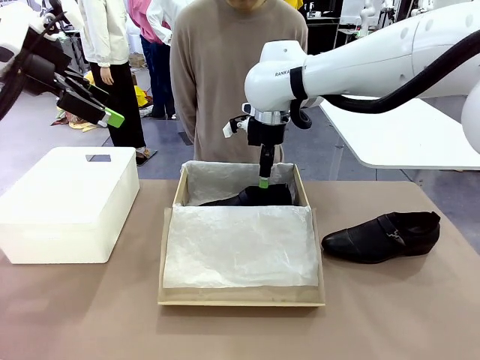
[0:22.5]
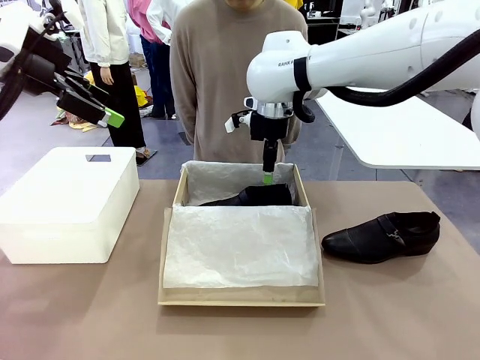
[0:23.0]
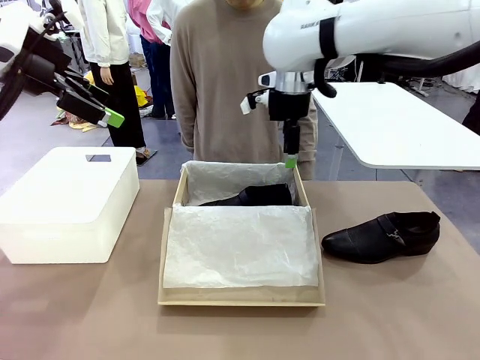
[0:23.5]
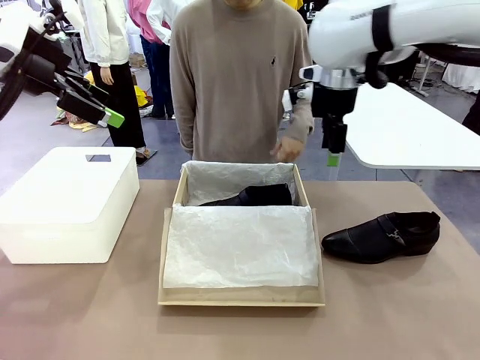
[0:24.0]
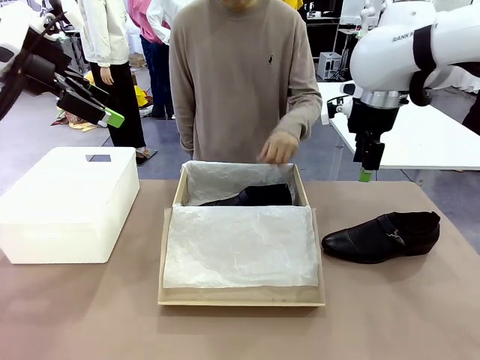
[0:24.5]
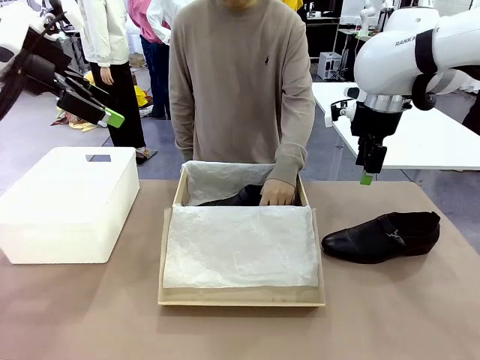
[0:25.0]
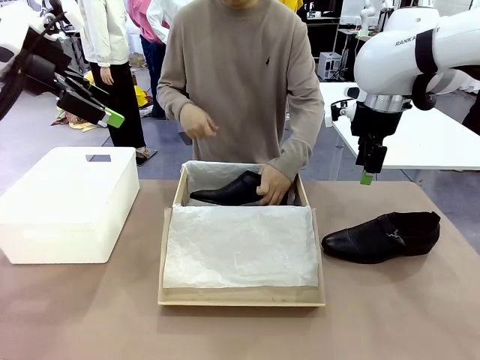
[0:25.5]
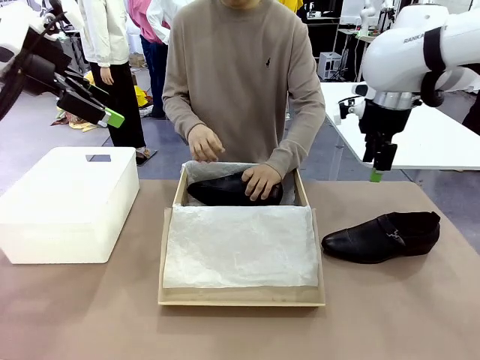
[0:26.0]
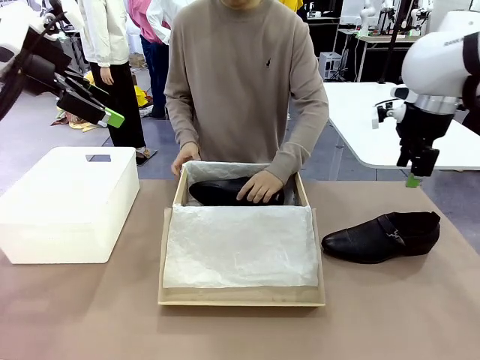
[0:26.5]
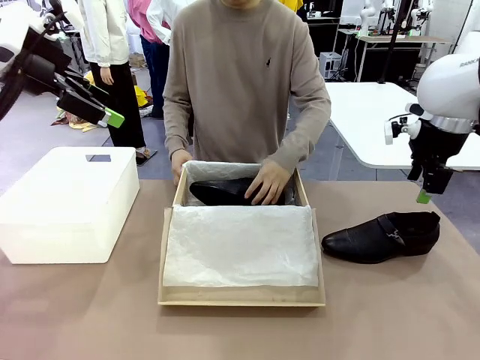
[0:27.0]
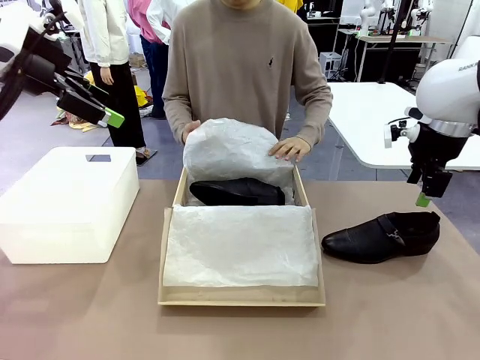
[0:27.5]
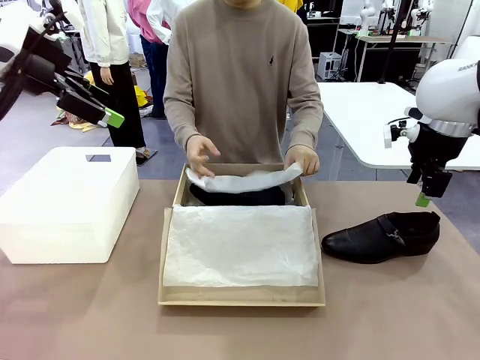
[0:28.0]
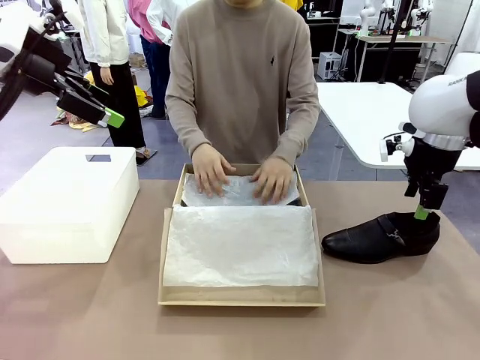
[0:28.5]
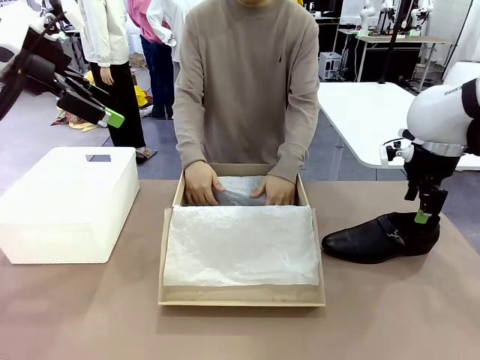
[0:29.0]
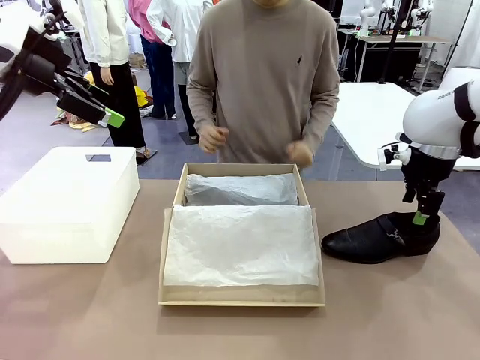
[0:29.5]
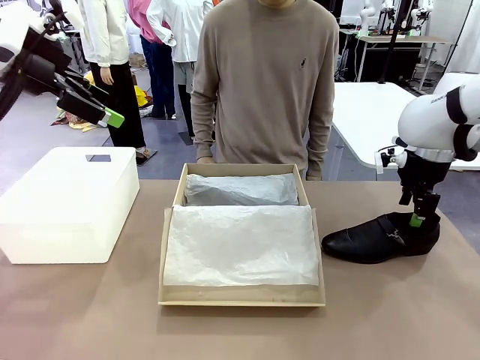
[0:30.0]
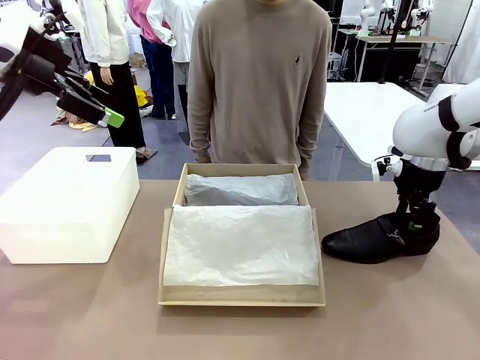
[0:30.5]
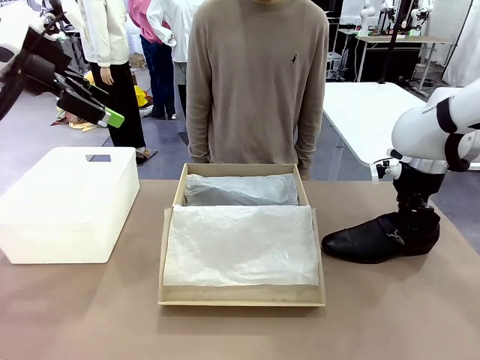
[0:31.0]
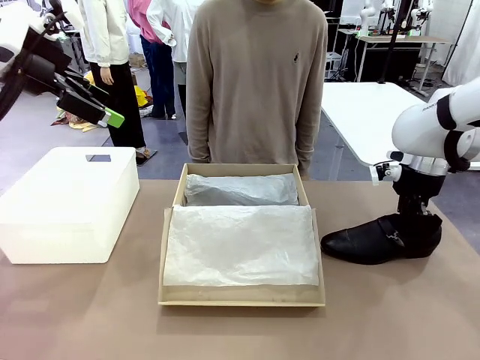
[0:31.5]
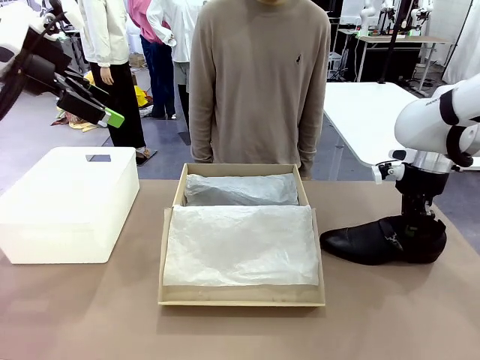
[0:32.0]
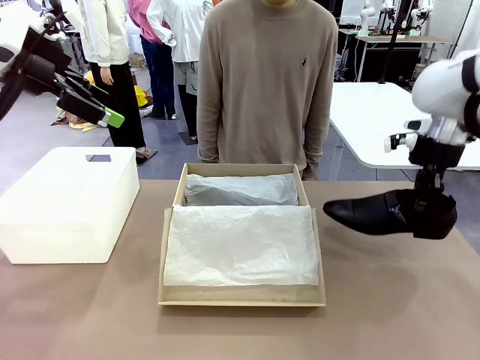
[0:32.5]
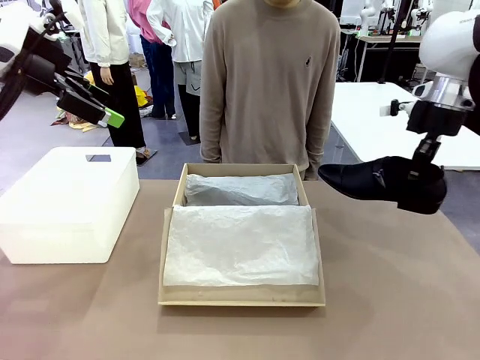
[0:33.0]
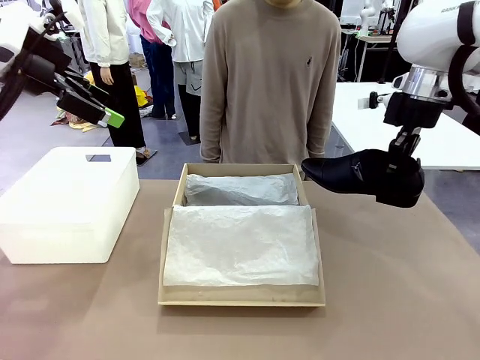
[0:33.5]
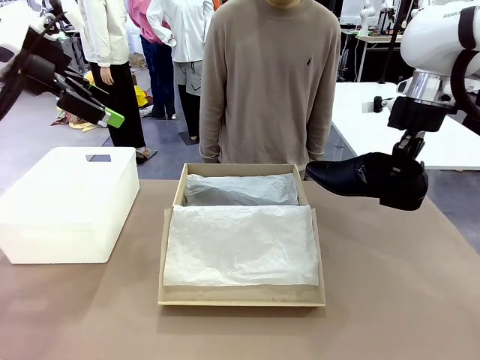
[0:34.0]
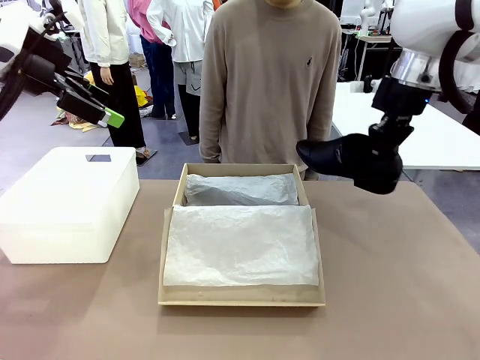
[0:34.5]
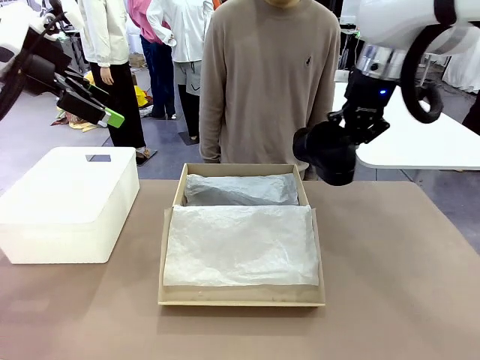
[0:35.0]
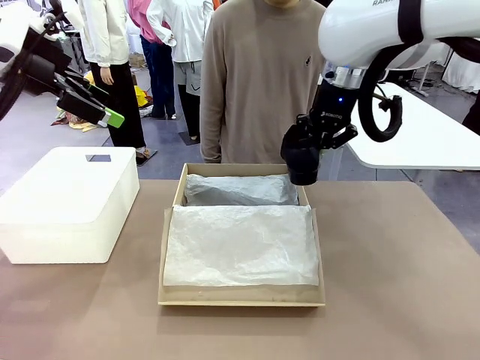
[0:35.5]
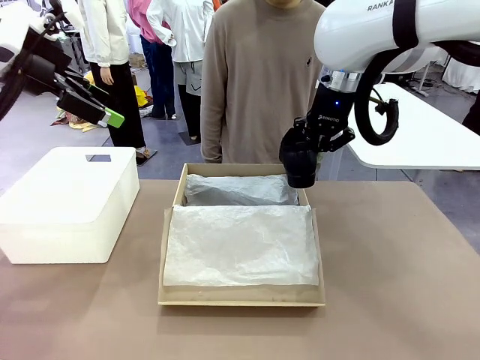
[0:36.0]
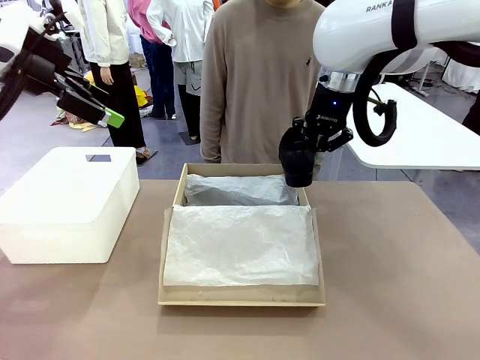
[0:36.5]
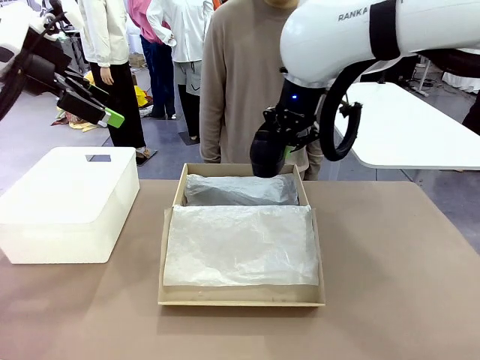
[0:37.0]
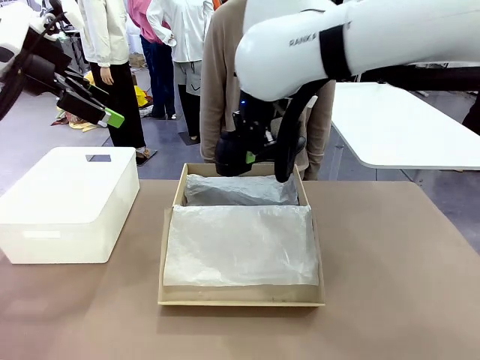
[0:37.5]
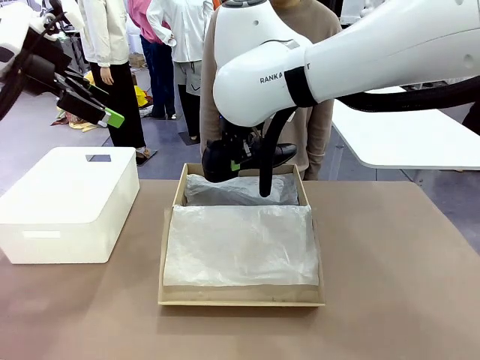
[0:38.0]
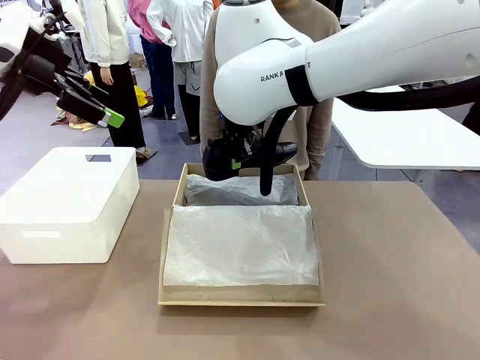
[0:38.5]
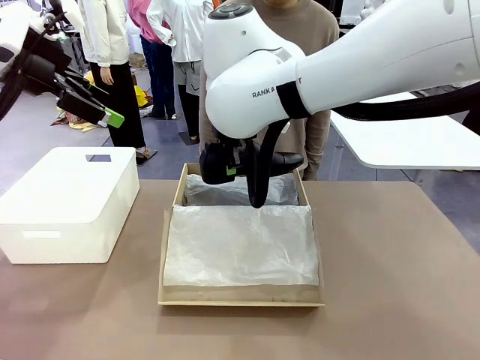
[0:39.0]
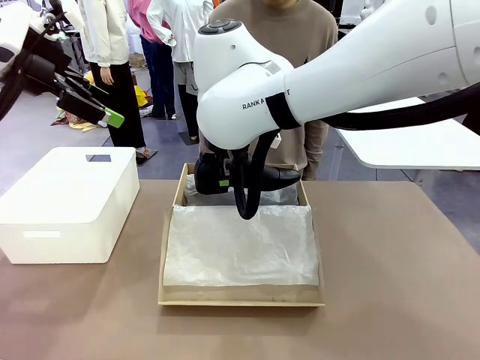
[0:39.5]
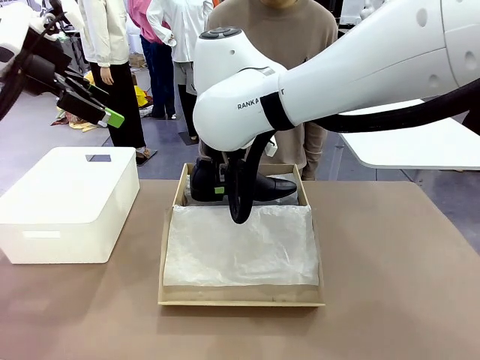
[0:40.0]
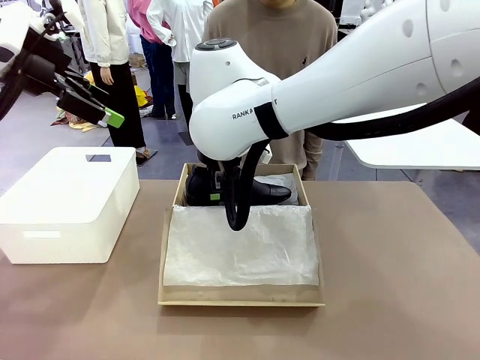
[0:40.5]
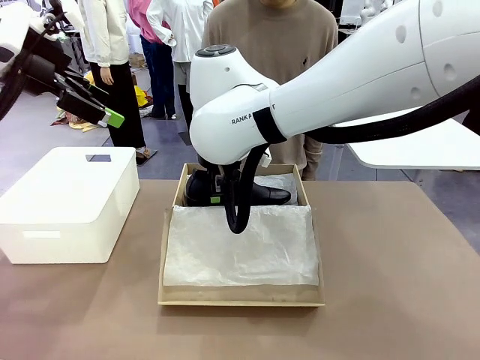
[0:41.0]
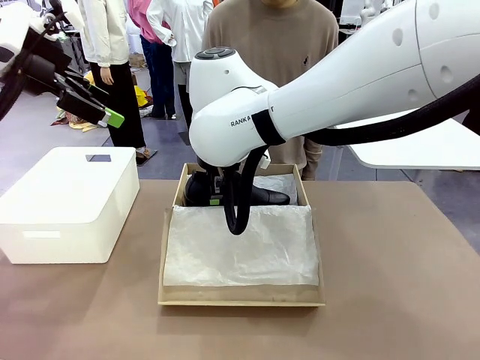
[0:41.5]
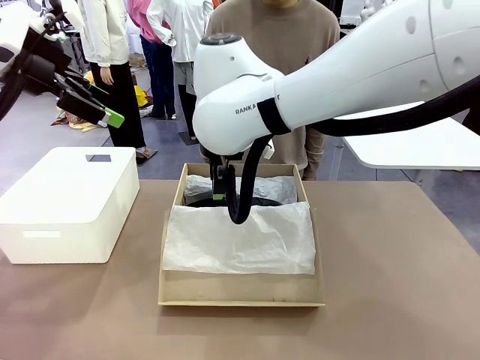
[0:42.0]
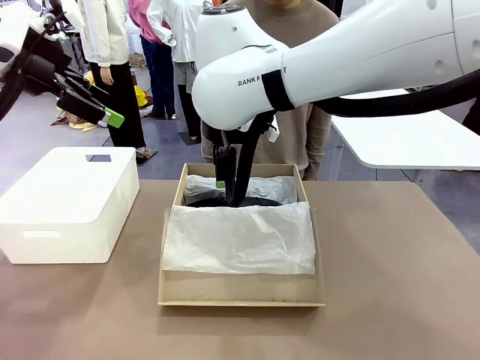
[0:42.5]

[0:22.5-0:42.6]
Task: Pack the shoes into the box.
Robot: Place the other shoe of the Shoes into the Shoes Box.
Person: Pack a shoe of Shoes inside the Shoes Box with Shoes Wrapping Paper.

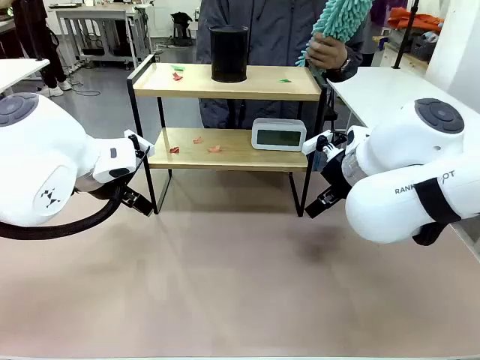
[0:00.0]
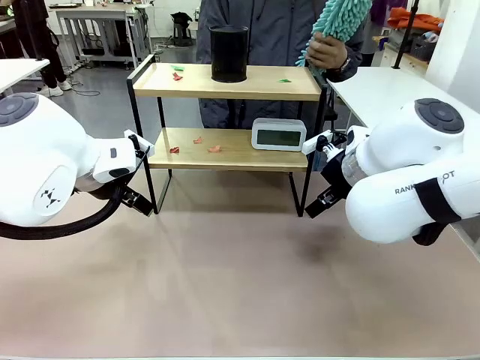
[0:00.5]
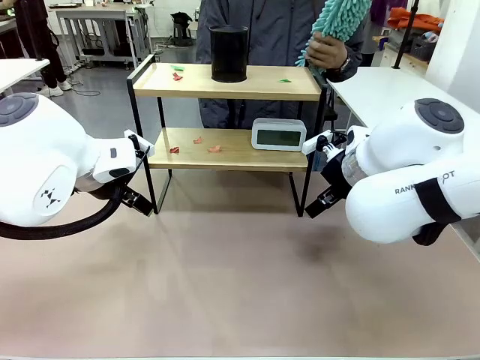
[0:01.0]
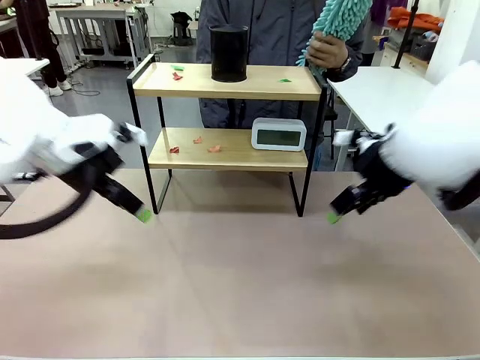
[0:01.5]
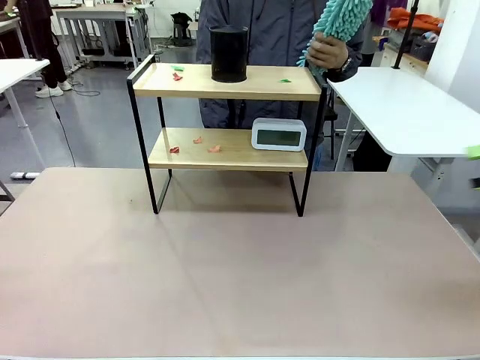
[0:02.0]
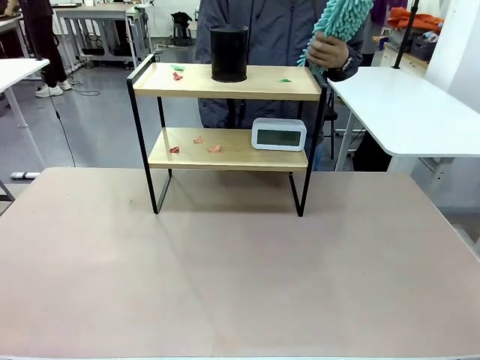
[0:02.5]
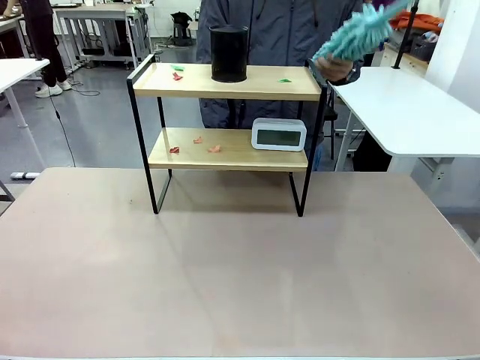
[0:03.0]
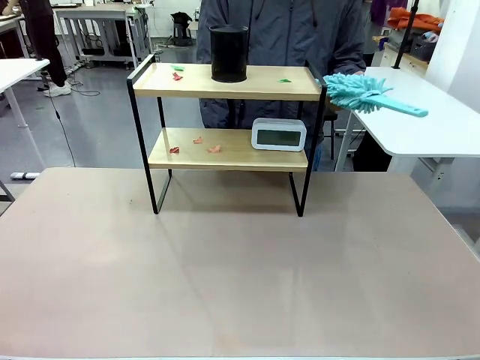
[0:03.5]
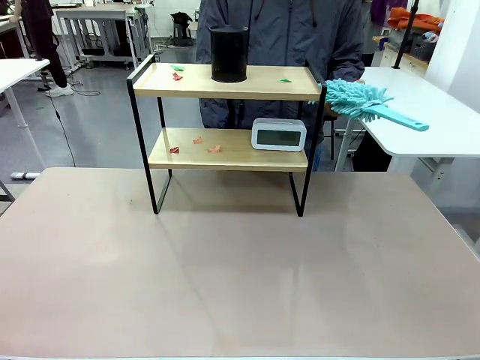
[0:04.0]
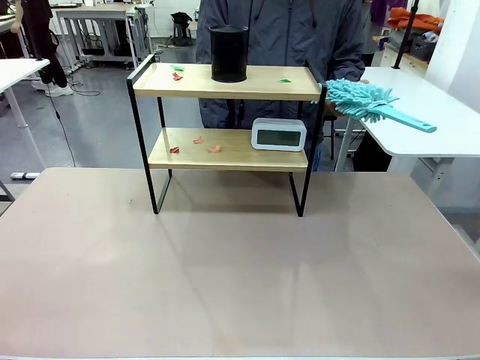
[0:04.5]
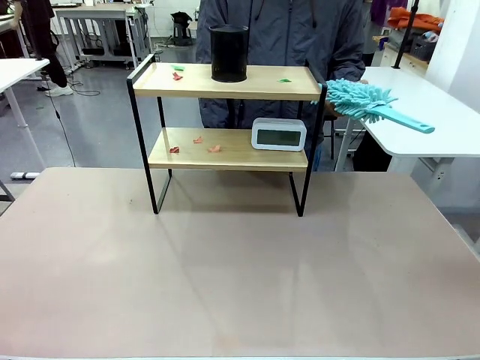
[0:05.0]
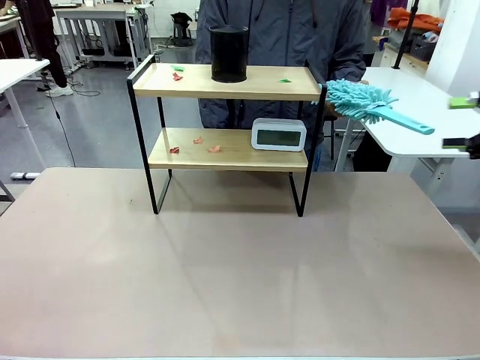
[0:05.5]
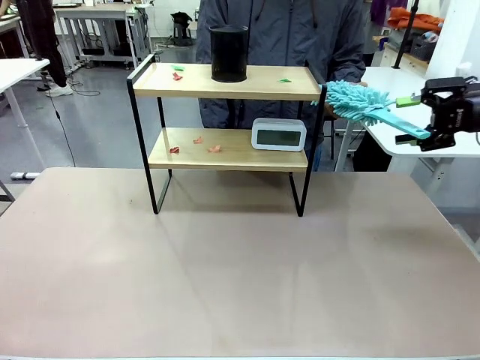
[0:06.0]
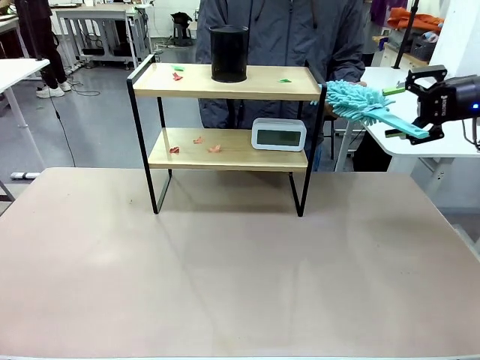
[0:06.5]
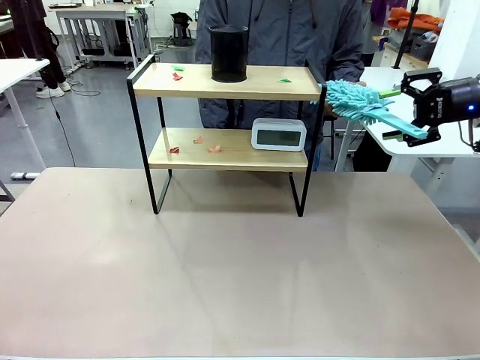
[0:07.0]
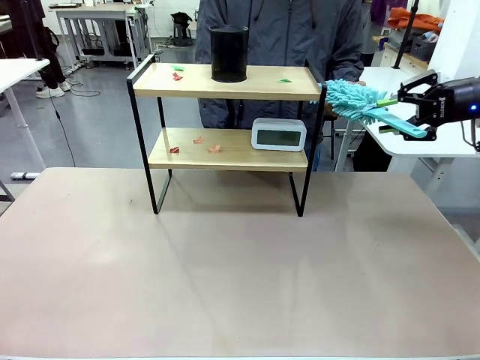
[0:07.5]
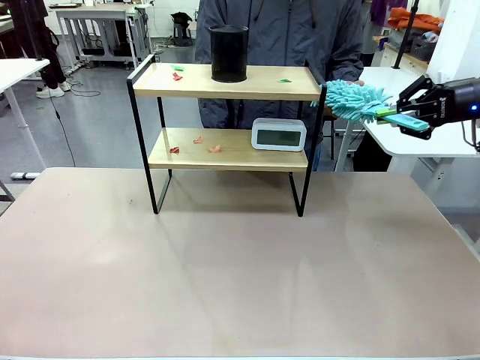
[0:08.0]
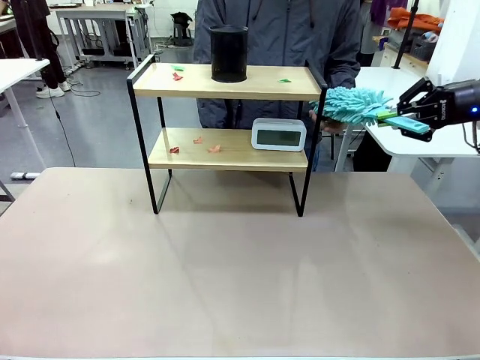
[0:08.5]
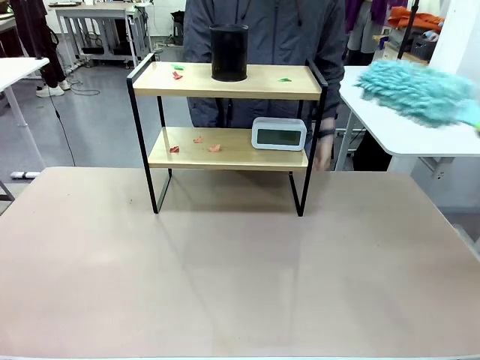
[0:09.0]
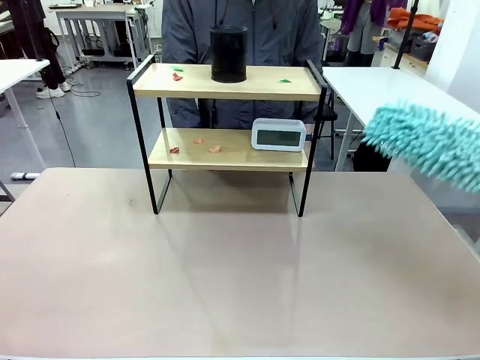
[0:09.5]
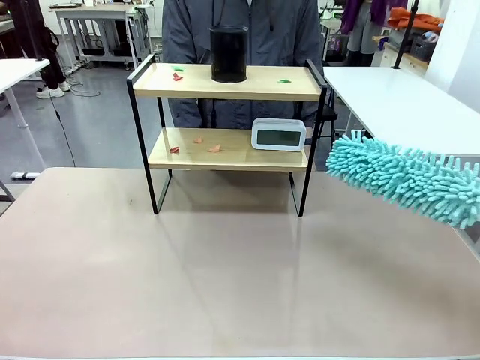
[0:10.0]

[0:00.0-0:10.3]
Task: Clean the shelf.
Robot: Pick up the Duster from the human.
Person: Hand the Duster to the robot.
